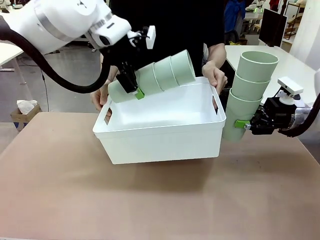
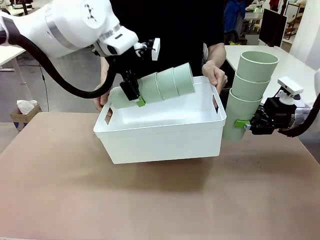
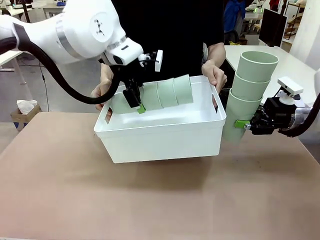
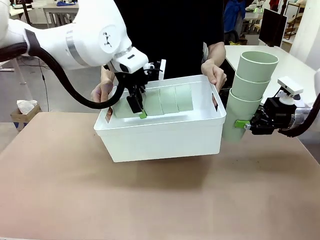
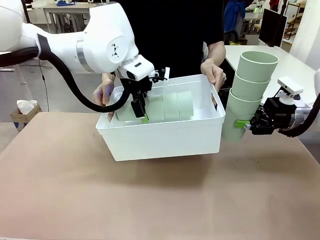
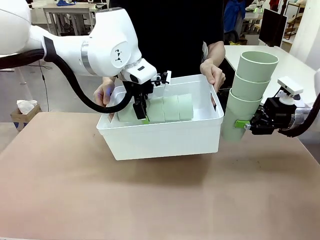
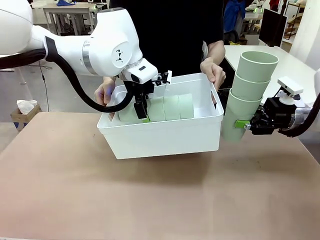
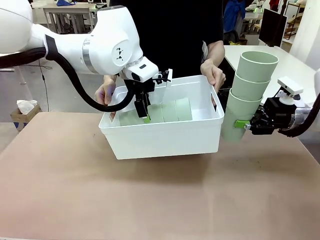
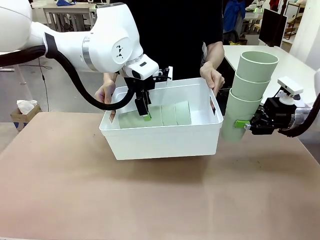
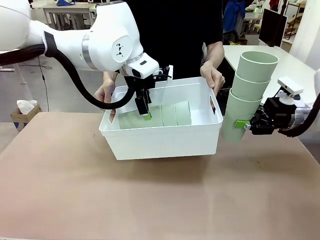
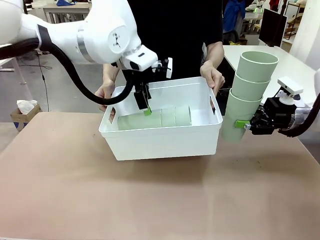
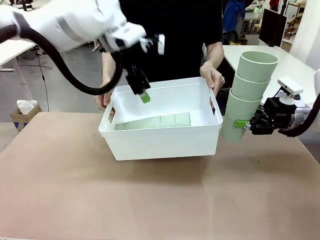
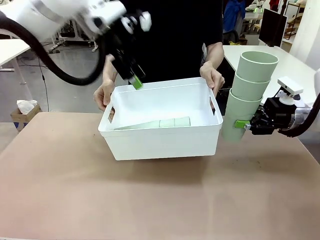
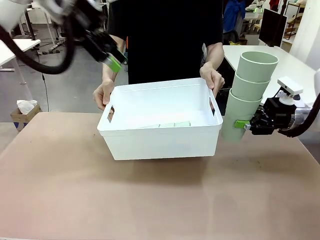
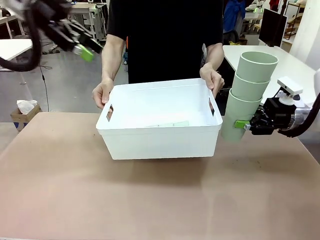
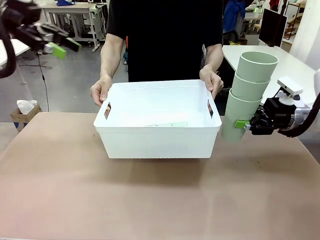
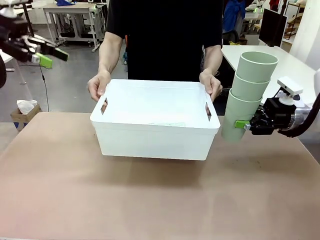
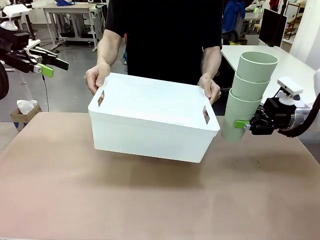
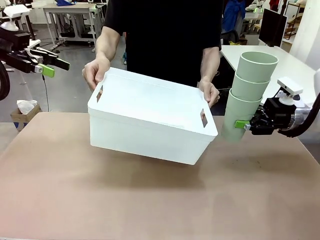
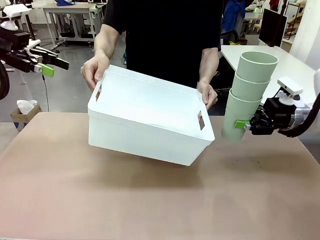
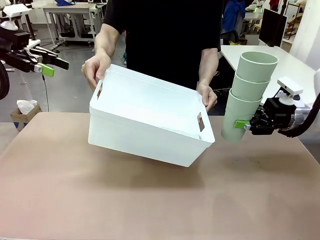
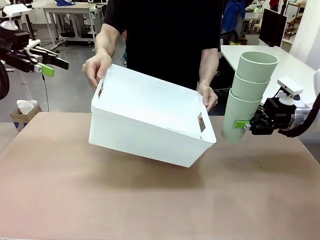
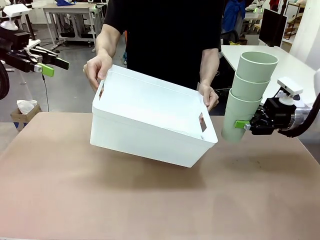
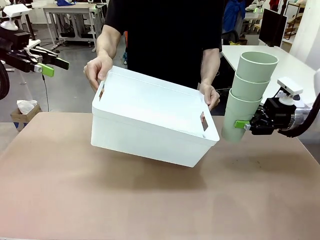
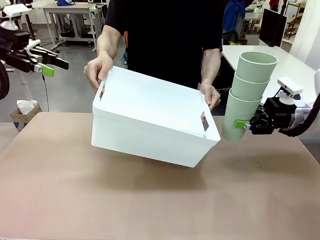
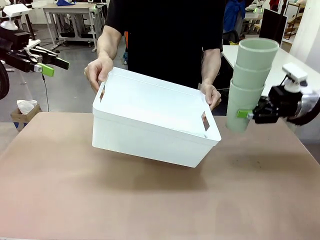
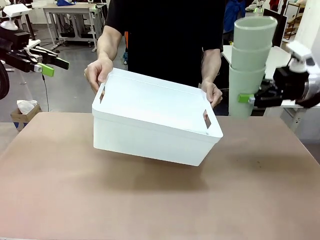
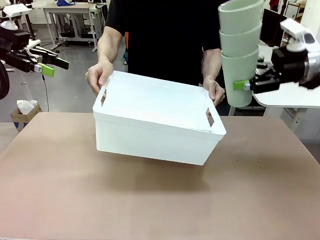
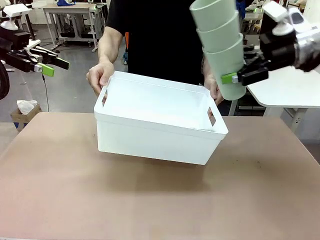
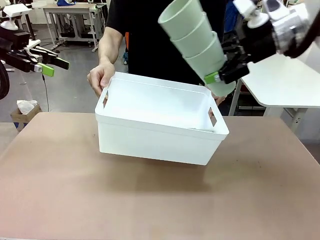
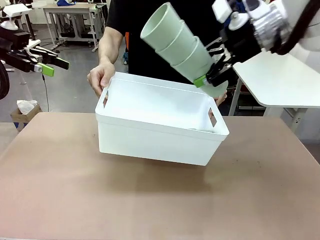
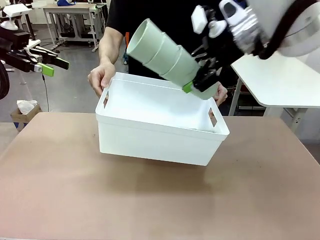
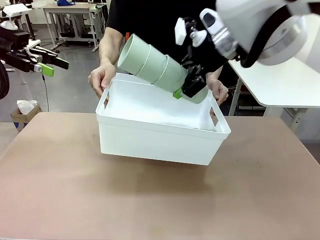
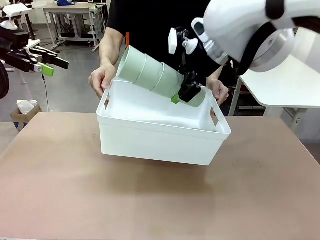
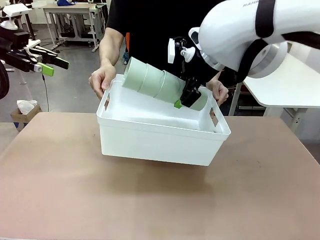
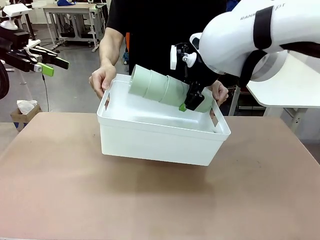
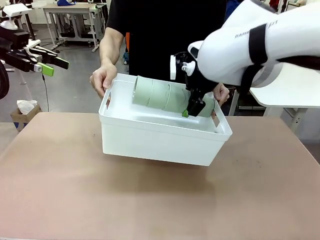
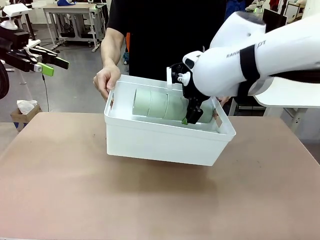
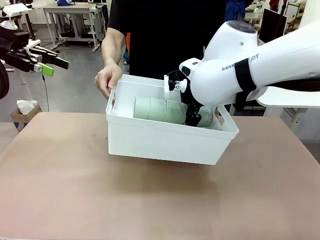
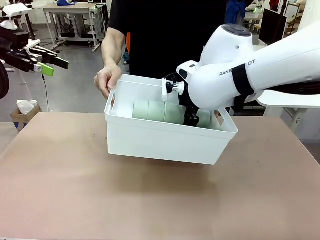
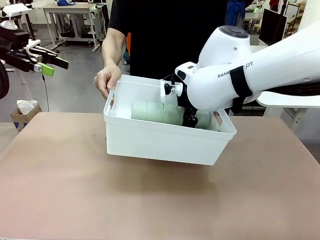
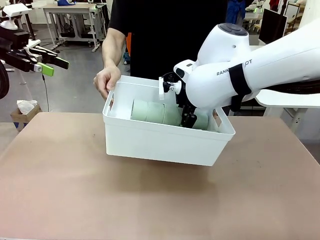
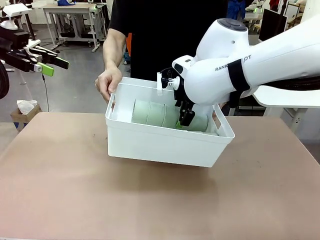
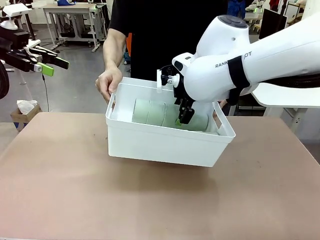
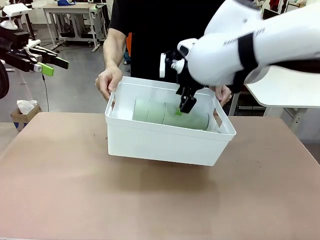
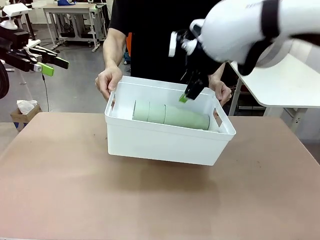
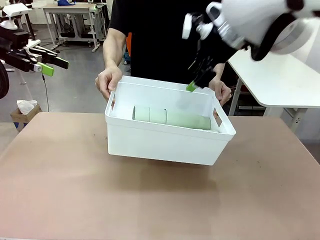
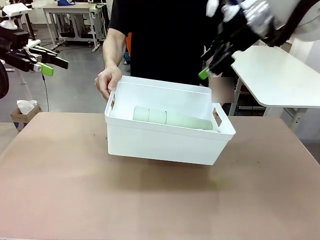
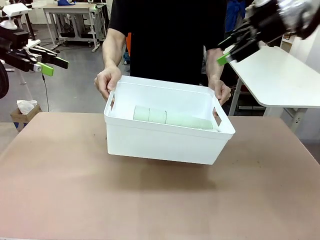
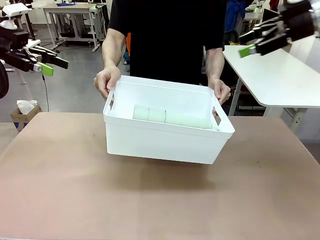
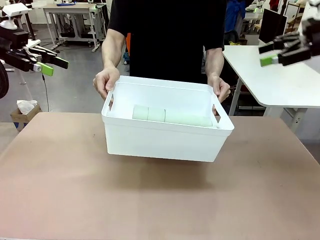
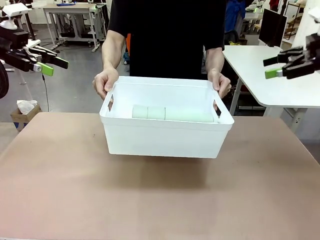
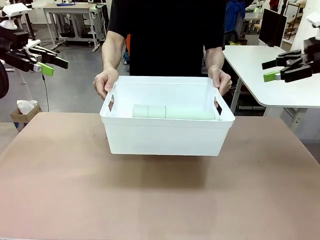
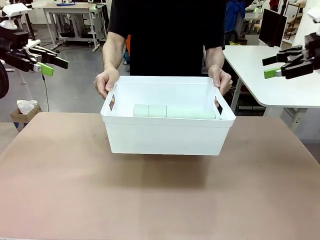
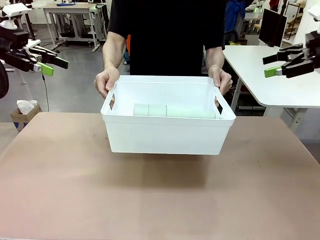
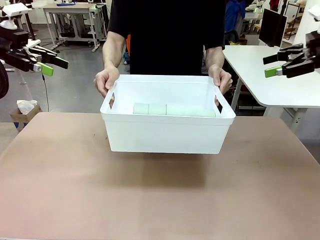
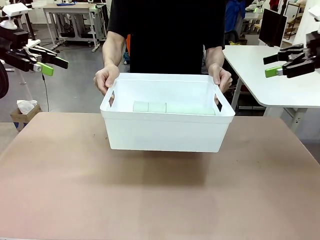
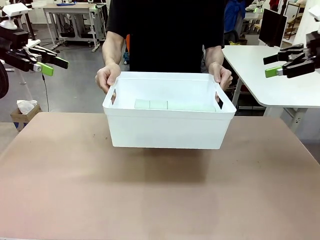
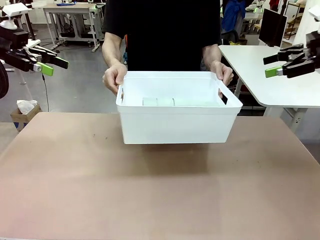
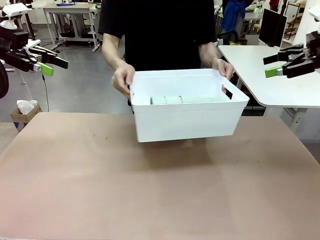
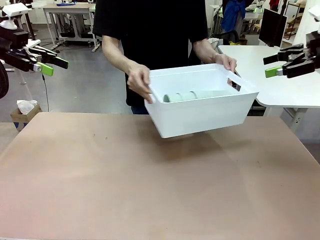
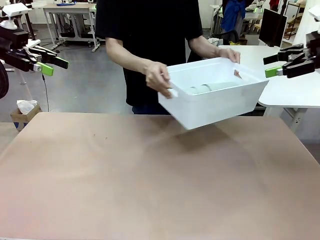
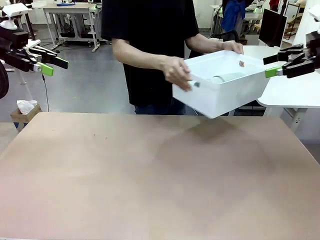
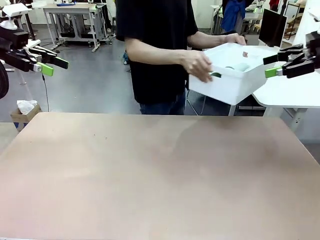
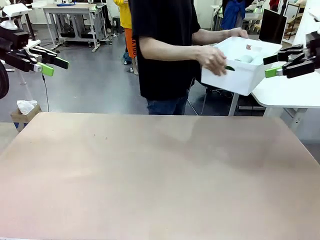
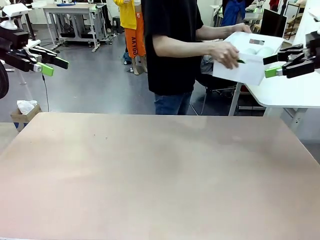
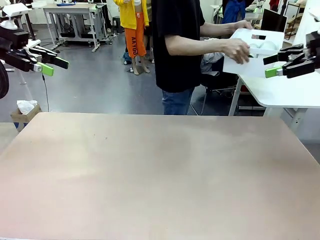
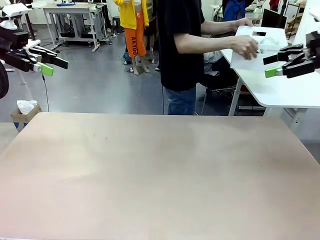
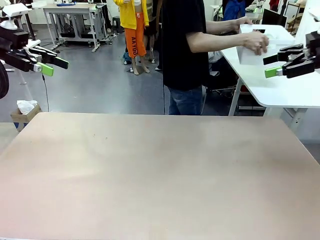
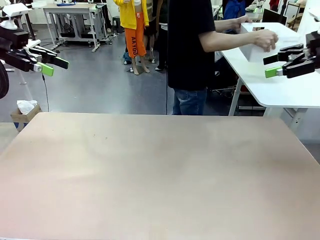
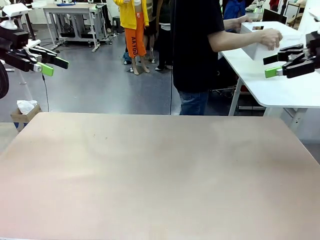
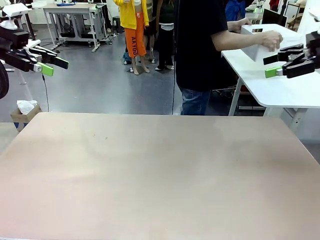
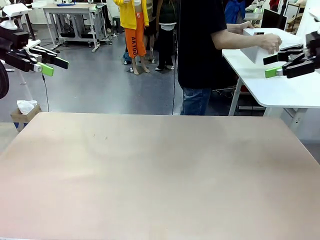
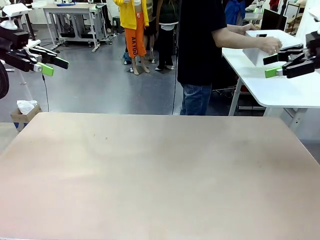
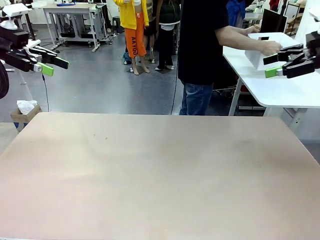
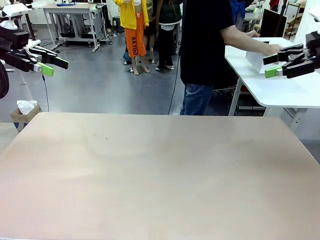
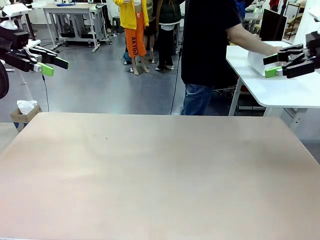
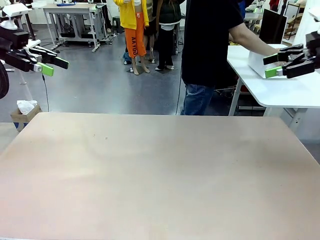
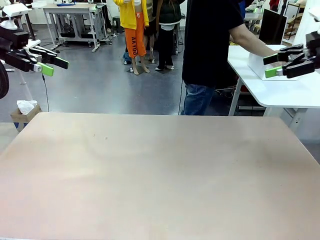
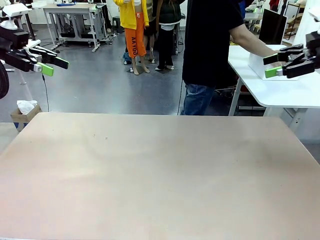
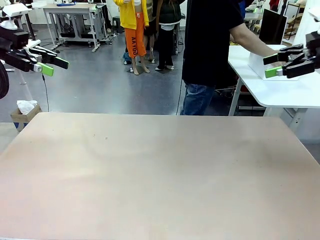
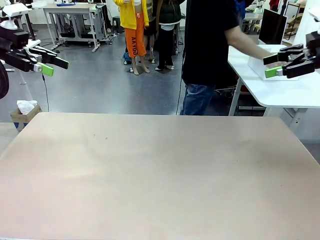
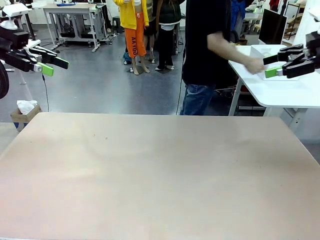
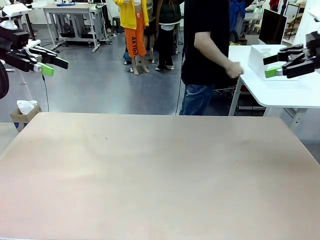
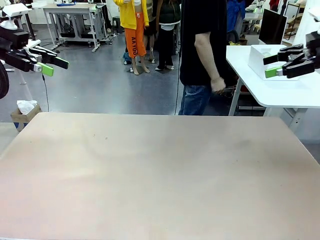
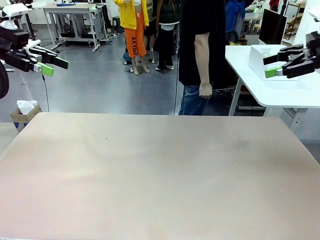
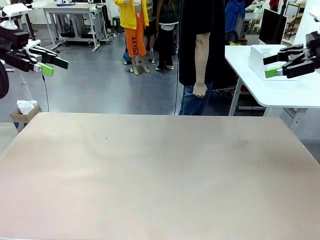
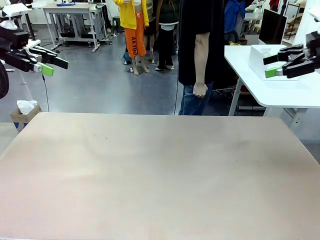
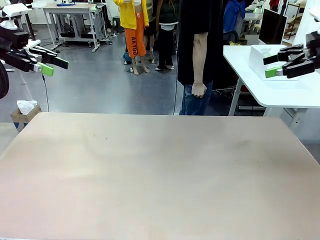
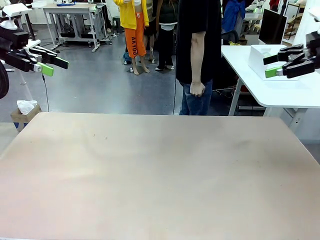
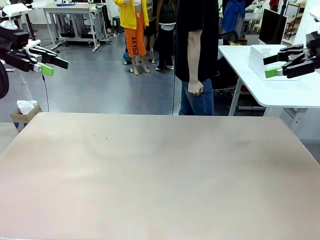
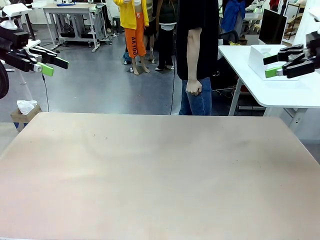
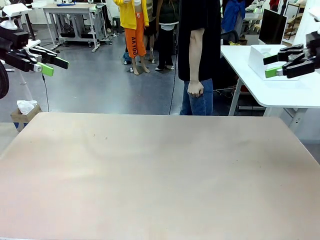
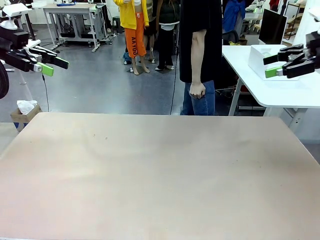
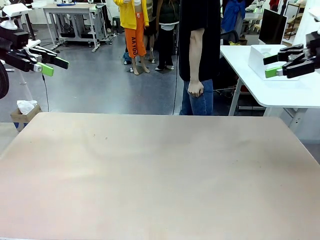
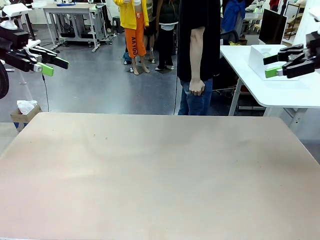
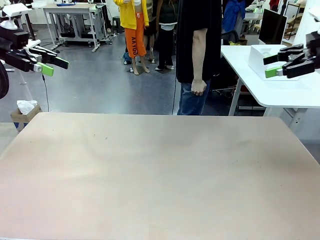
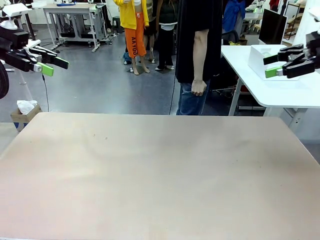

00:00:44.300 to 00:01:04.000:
Task: Stack the cups and store them in the basket.
Robot: Place the stack of Reusable plastic cups into the Pantry Basket.
Person: Place the basket containing the cups in the middle of the Human Table.
